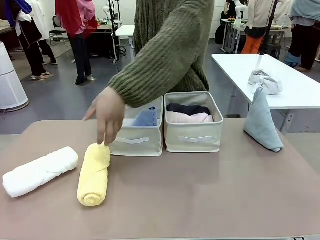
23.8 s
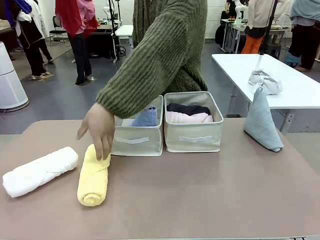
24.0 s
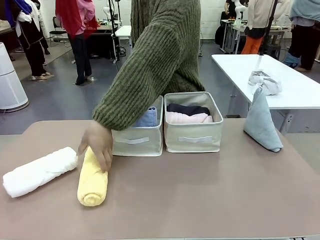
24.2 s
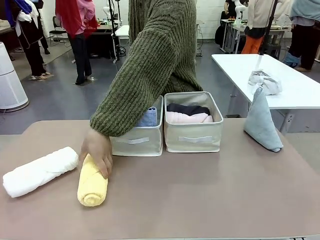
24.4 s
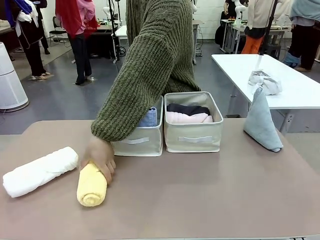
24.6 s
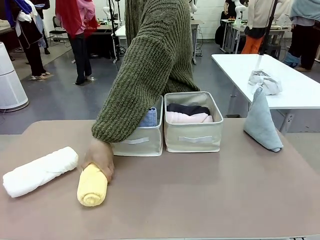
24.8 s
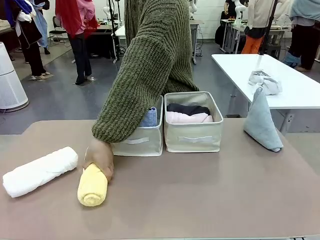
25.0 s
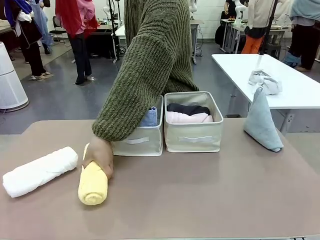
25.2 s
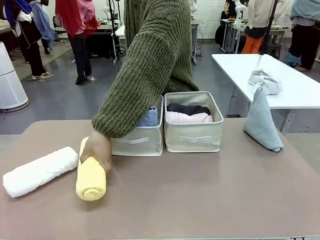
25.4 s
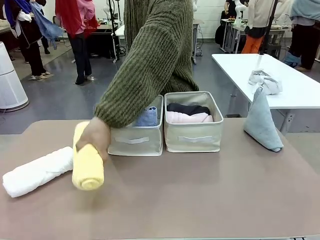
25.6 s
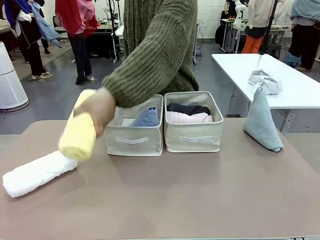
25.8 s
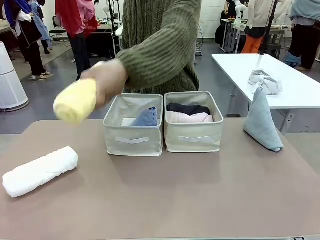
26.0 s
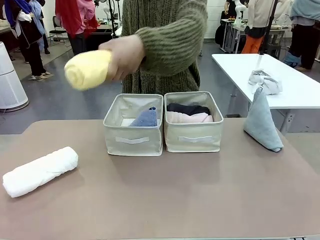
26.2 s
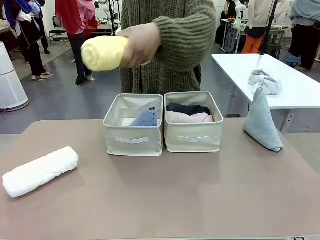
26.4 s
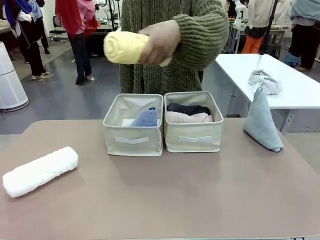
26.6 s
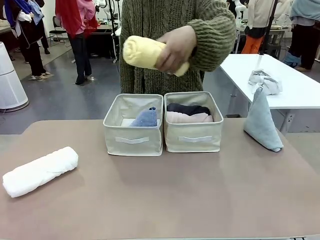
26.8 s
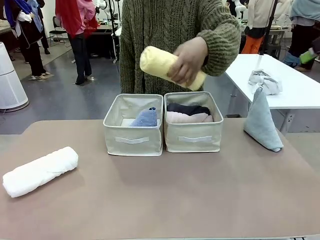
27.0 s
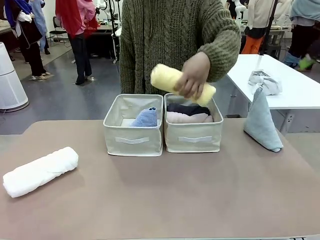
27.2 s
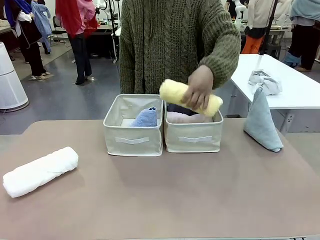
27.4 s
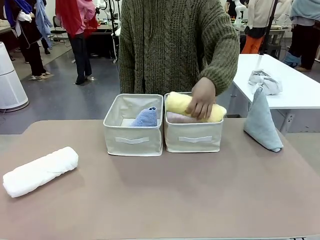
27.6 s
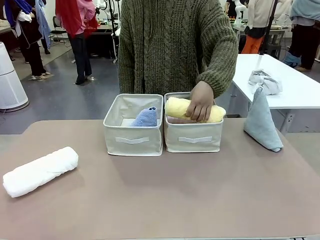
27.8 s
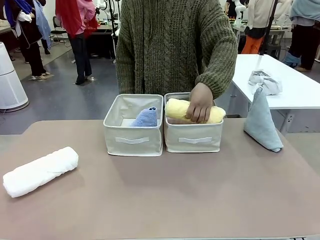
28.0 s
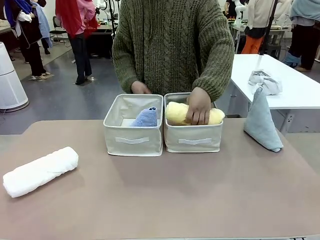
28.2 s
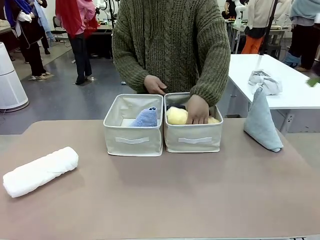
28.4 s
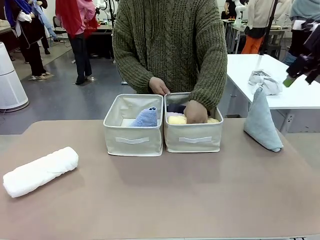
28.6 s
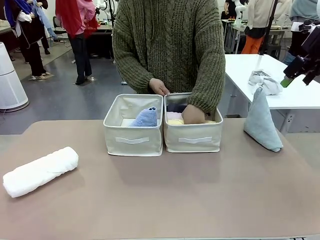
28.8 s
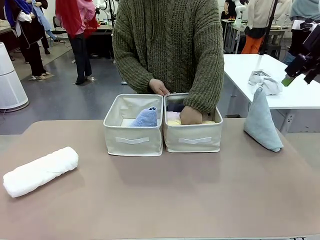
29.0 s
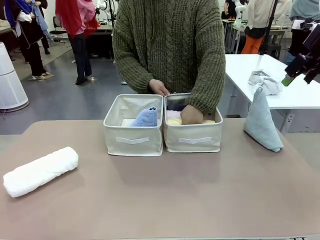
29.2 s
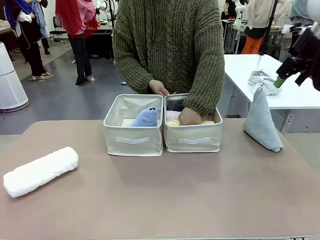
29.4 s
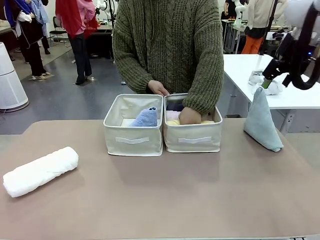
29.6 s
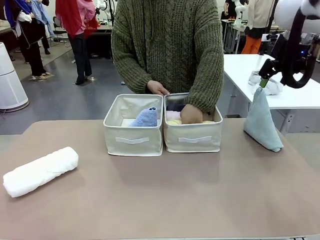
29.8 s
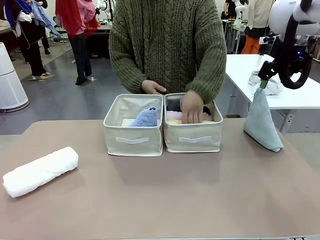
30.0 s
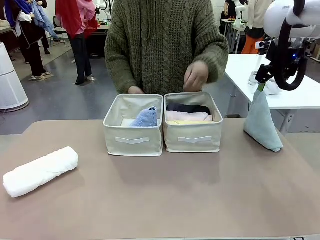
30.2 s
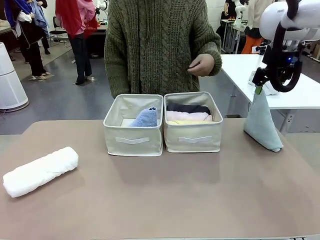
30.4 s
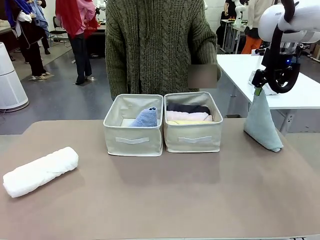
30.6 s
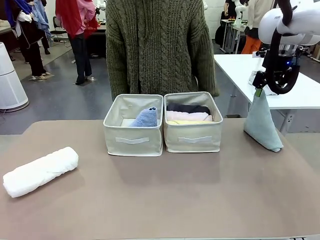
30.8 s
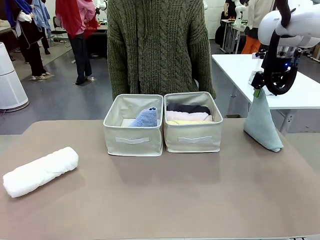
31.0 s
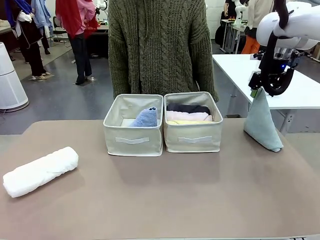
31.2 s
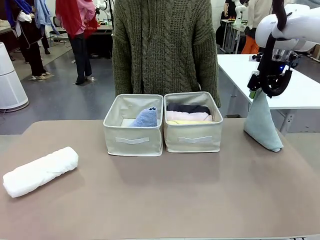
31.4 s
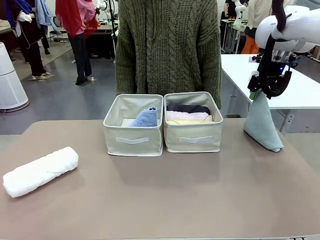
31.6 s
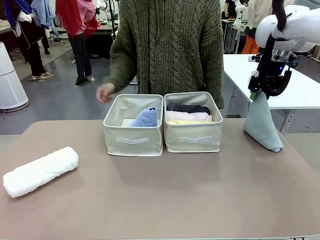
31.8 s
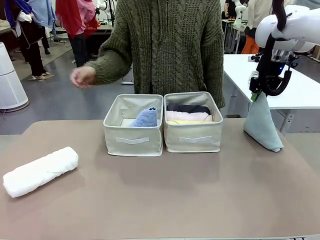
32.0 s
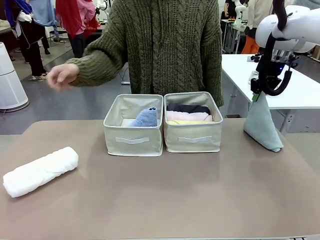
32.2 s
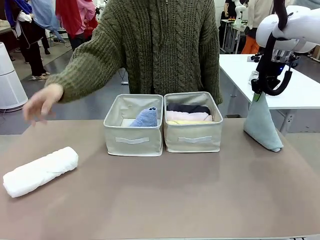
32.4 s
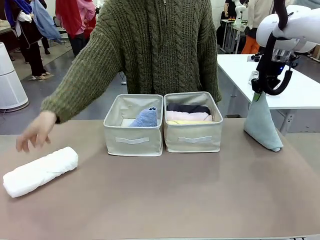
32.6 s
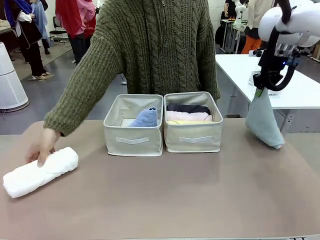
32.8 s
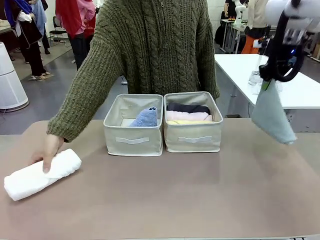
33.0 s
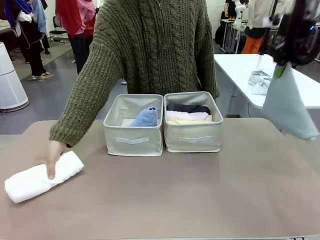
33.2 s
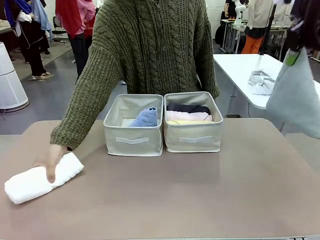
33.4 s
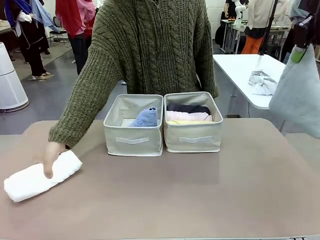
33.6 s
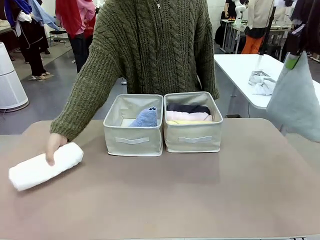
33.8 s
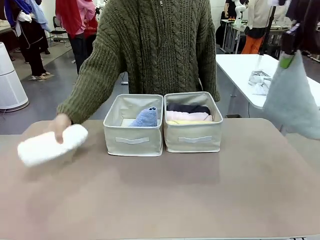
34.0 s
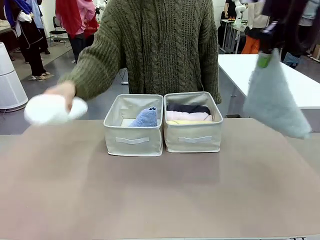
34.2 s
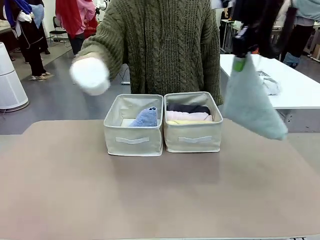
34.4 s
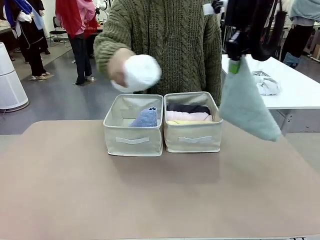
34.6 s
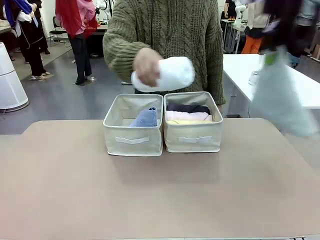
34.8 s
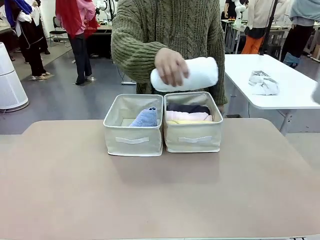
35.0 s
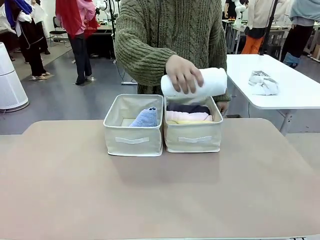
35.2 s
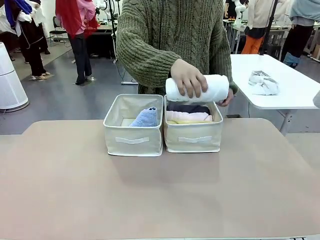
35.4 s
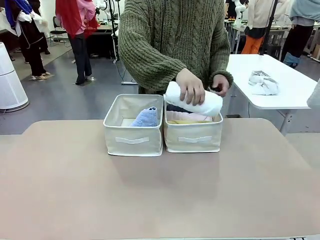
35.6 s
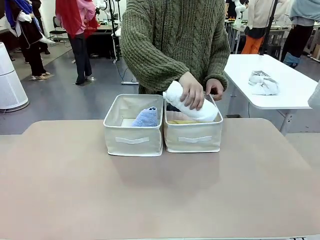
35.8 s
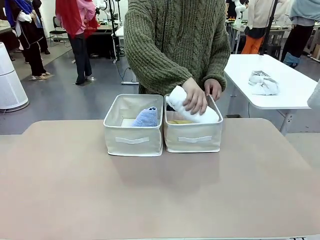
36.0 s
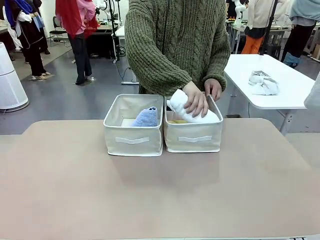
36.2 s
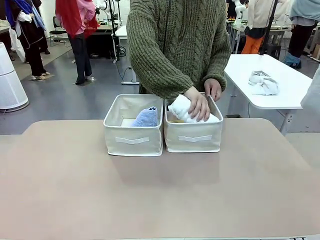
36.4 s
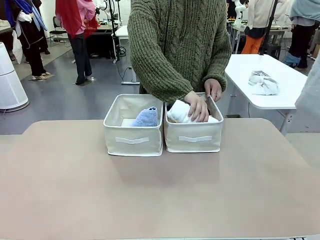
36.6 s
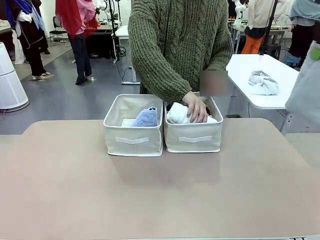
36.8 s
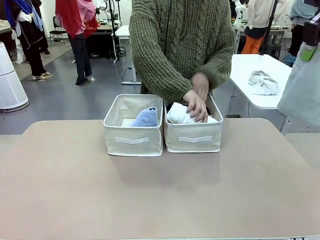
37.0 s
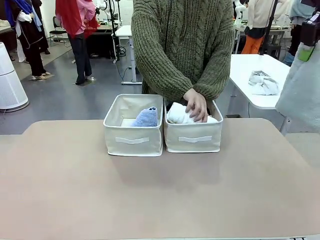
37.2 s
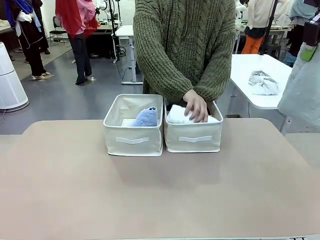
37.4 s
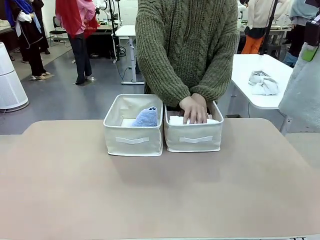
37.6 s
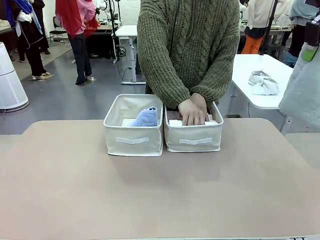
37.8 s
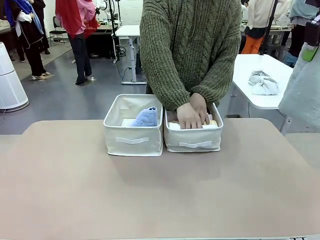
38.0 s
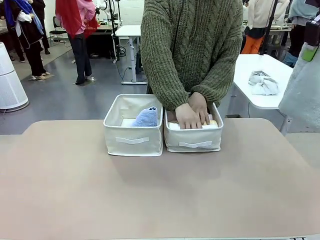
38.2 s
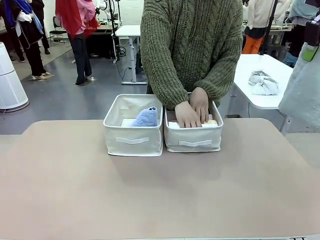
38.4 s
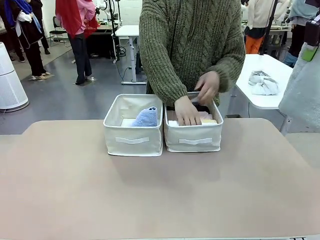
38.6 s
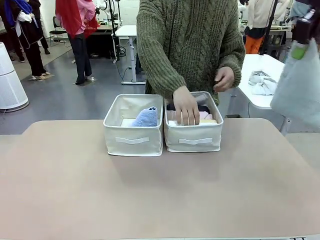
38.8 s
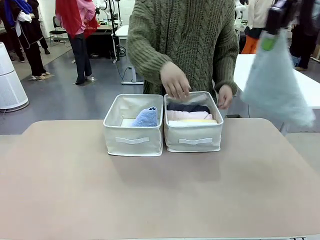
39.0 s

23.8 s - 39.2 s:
Task: Sort the towels based on their folding style.
Robot: Pick up another triangle-folded towel from the table and place it in the left Fabric basket.

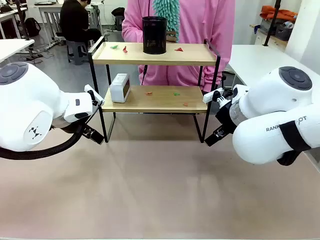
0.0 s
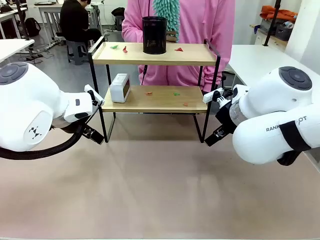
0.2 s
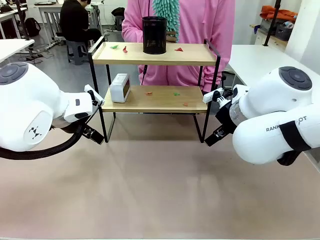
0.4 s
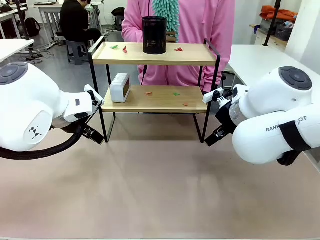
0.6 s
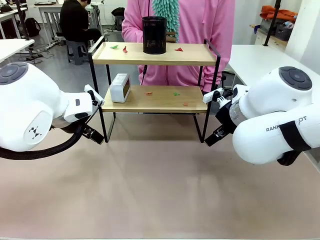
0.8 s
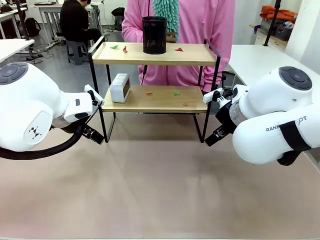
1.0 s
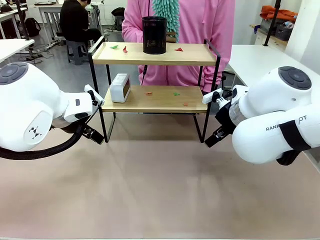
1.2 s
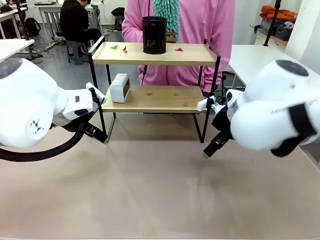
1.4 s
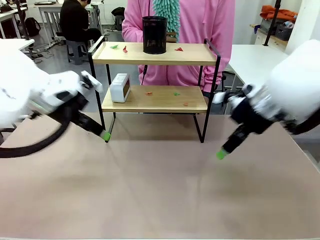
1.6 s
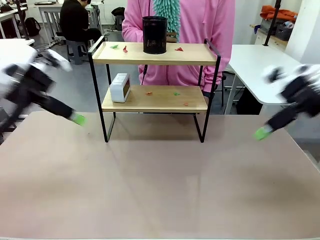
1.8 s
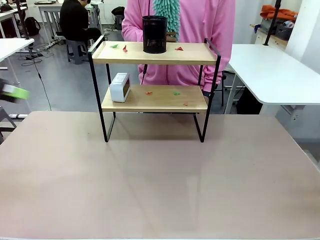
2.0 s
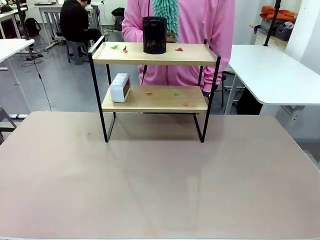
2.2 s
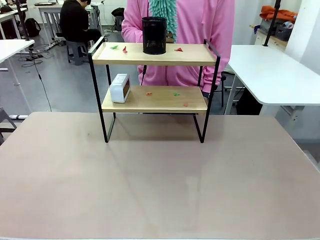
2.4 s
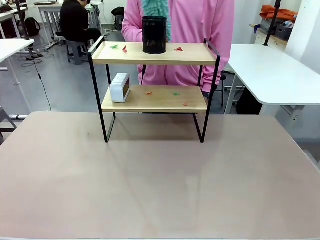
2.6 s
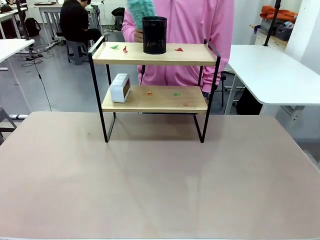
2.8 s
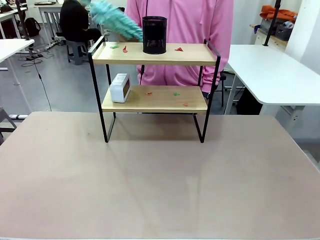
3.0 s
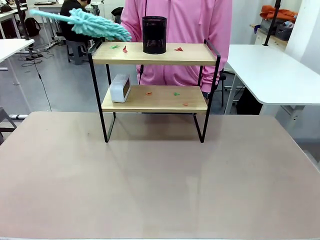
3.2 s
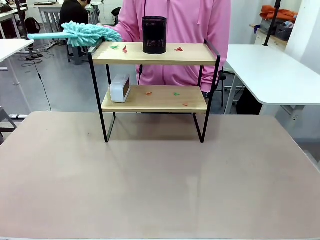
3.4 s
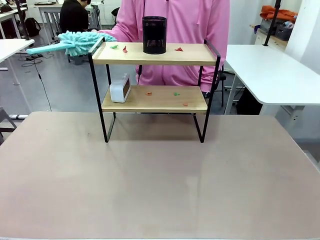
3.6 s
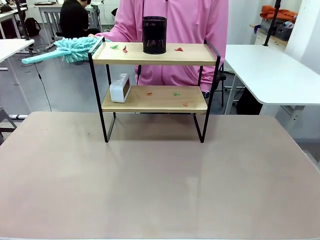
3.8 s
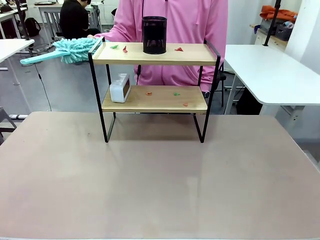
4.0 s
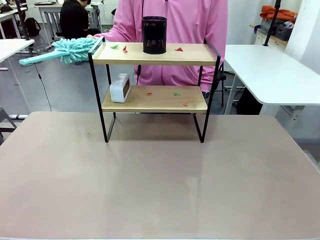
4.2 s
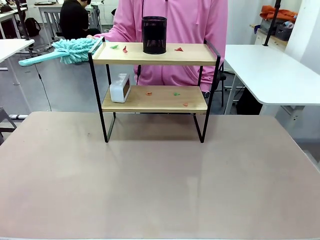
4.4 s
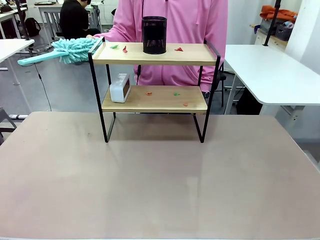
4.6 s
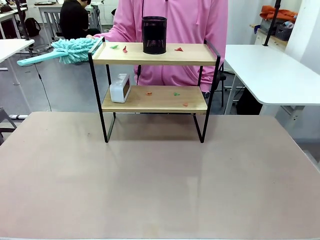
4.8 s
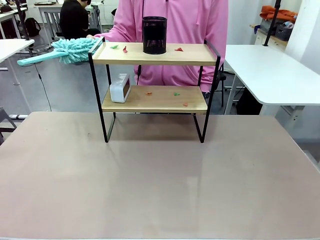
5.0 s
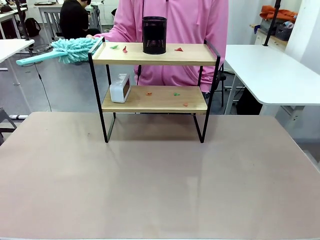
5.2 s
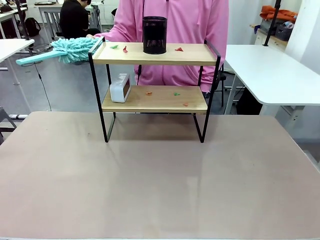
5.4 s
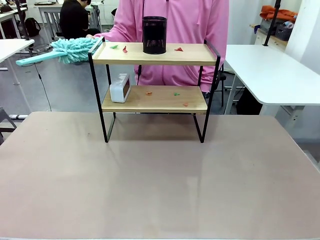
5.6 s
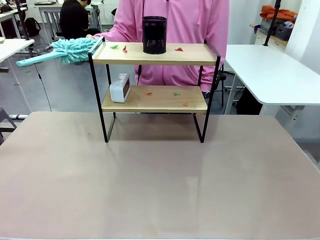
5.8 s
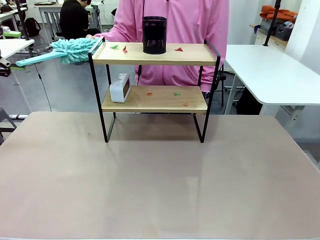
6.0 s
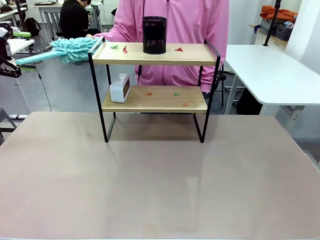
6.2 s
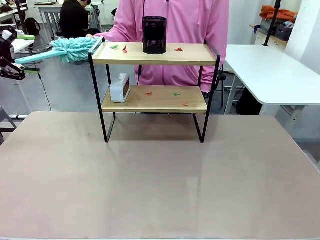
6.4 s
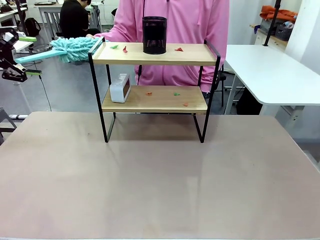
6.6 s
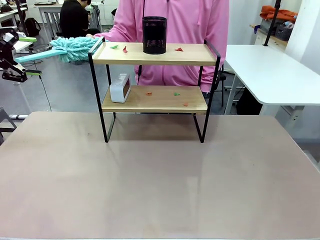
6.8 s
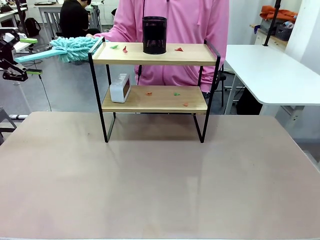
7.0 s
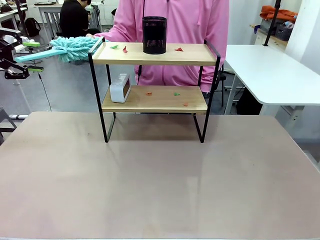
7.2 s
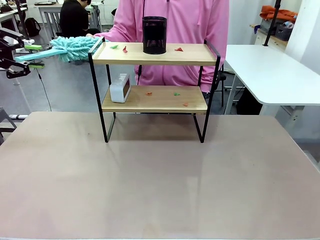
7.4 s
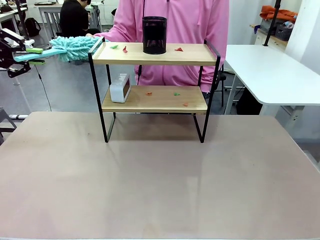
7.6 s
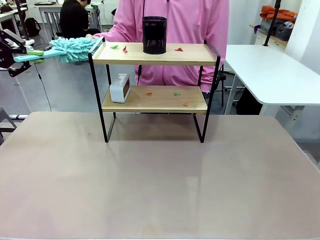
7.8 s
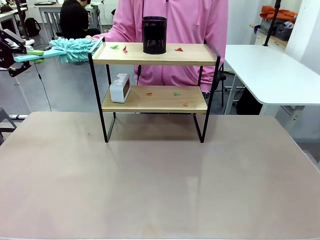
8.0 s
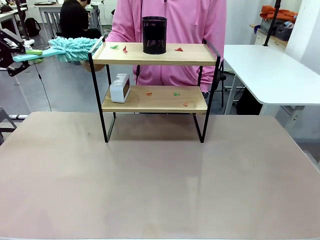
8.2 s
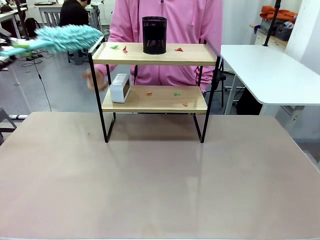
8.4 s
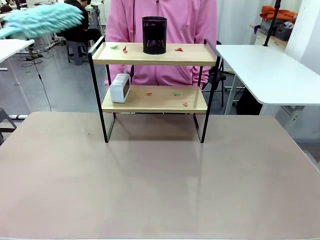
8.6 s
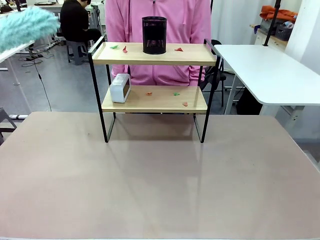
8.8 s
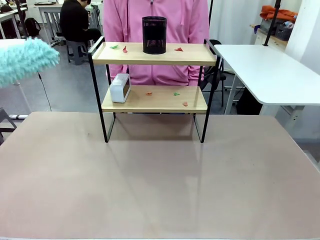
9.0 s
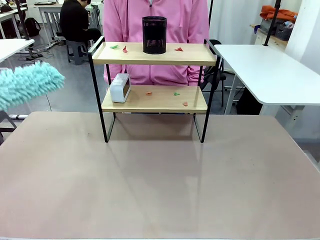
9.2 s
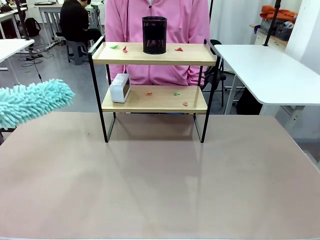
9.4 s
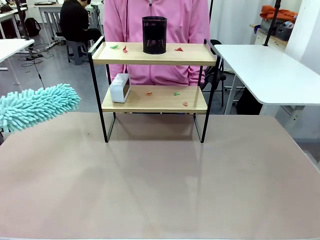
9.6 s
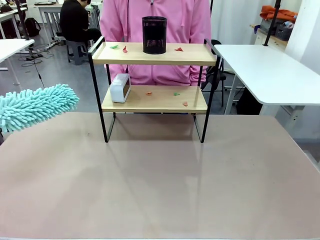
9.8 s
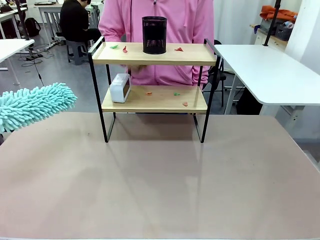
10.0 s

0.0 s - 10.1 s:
Task: Clean the shelf.
Robot: Pick up the Duster from the human.
Person: Hand the Duster to the robot.
